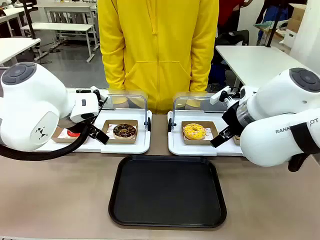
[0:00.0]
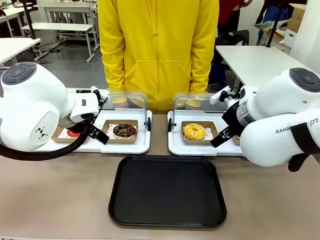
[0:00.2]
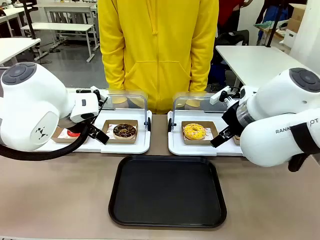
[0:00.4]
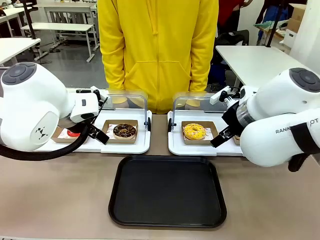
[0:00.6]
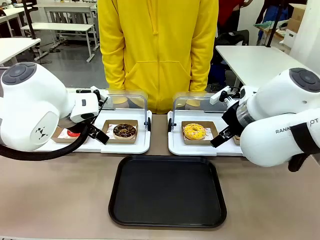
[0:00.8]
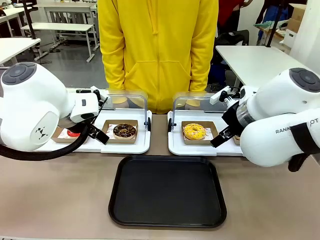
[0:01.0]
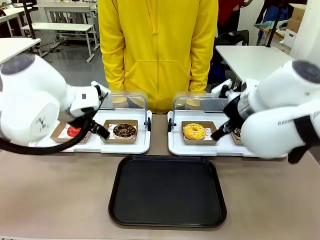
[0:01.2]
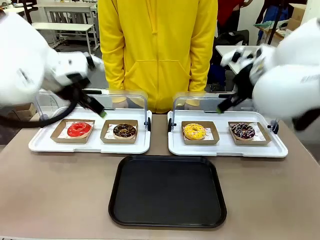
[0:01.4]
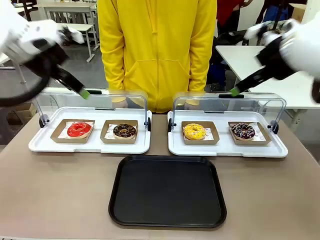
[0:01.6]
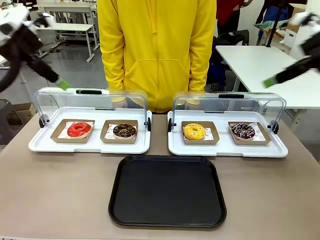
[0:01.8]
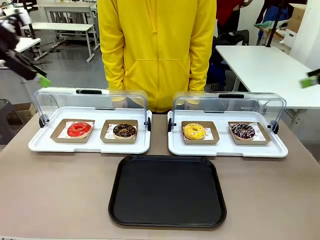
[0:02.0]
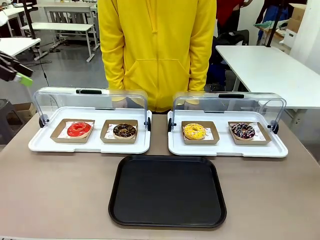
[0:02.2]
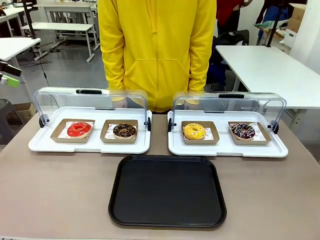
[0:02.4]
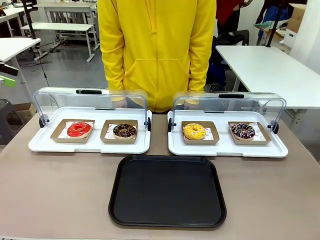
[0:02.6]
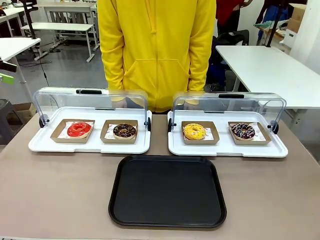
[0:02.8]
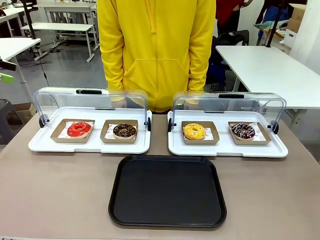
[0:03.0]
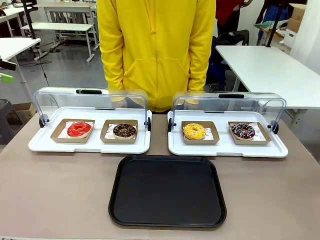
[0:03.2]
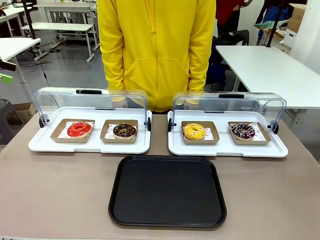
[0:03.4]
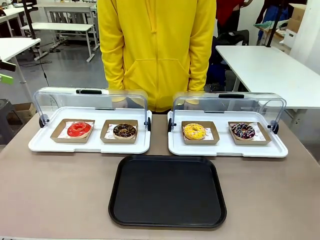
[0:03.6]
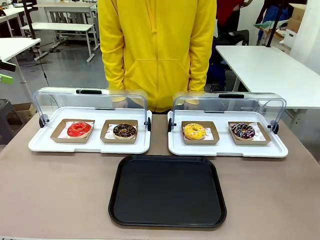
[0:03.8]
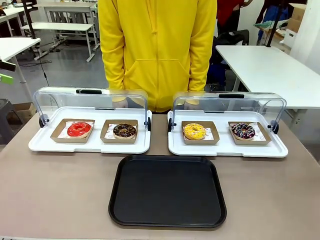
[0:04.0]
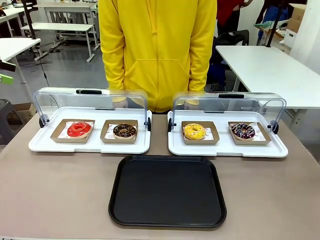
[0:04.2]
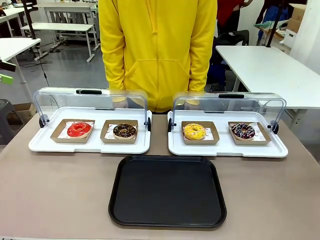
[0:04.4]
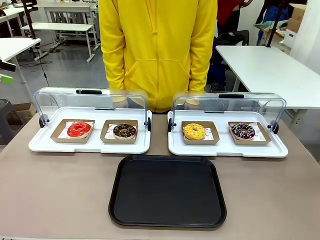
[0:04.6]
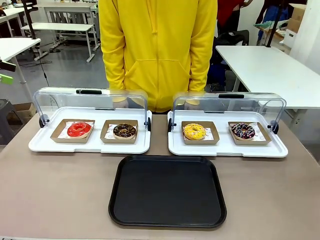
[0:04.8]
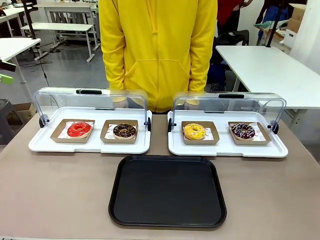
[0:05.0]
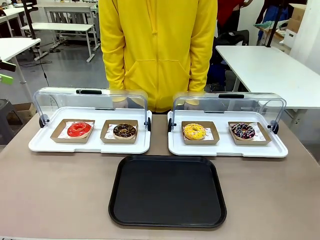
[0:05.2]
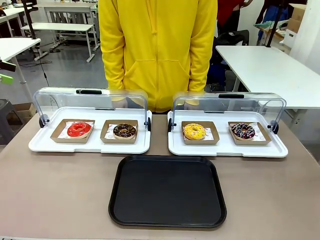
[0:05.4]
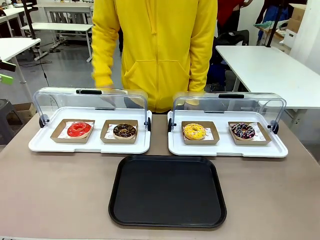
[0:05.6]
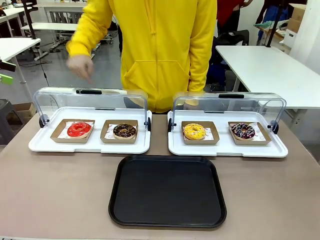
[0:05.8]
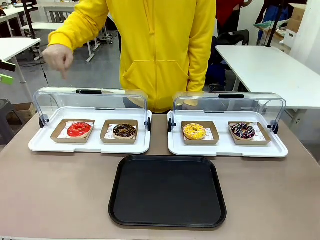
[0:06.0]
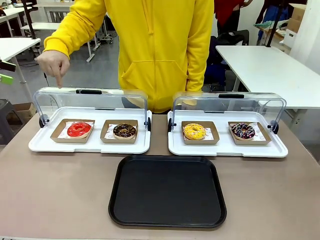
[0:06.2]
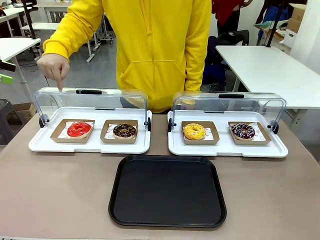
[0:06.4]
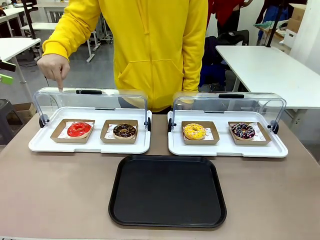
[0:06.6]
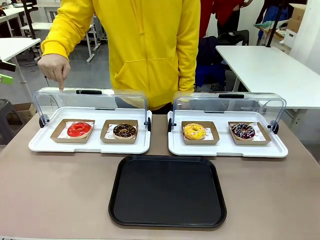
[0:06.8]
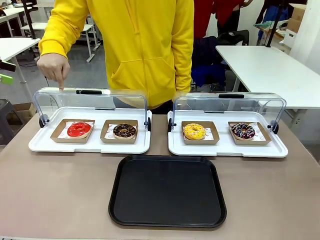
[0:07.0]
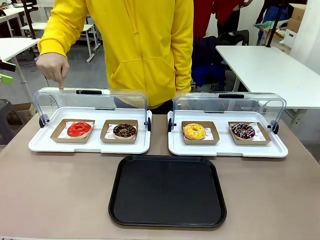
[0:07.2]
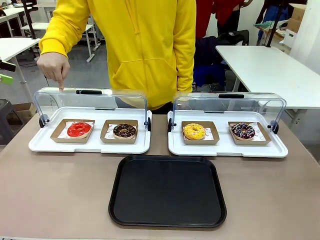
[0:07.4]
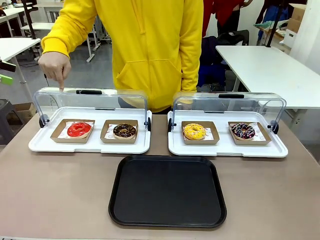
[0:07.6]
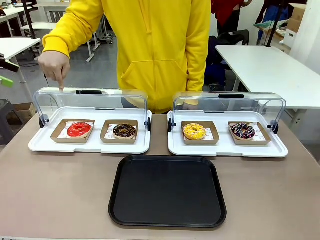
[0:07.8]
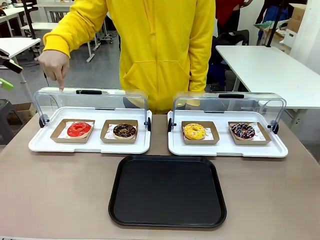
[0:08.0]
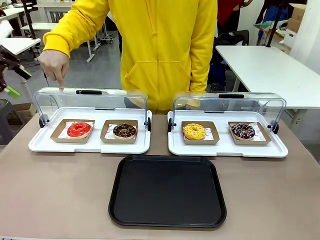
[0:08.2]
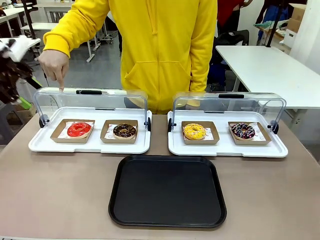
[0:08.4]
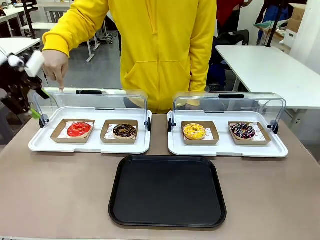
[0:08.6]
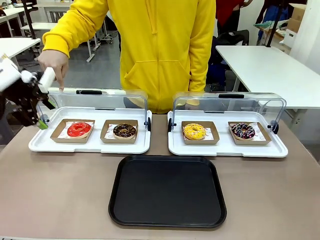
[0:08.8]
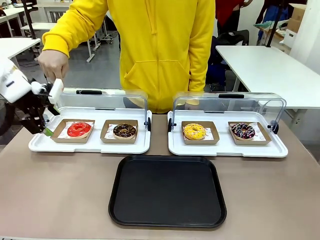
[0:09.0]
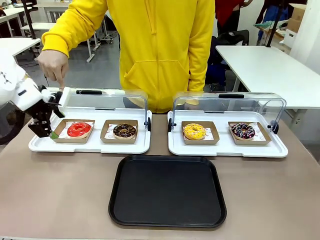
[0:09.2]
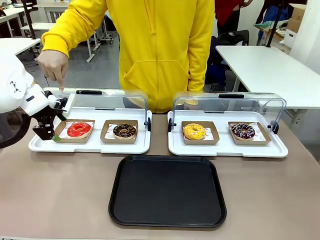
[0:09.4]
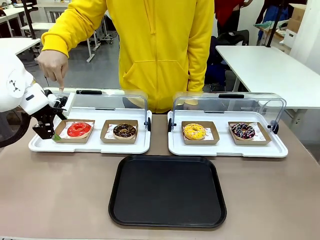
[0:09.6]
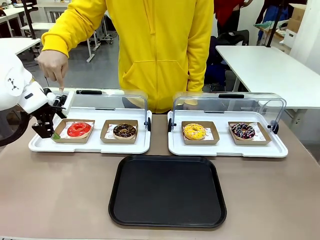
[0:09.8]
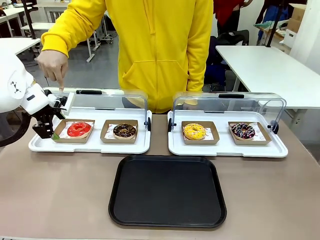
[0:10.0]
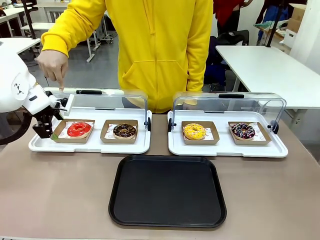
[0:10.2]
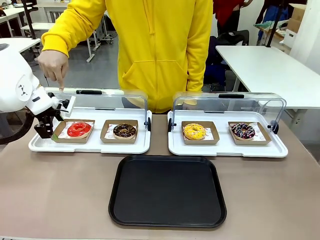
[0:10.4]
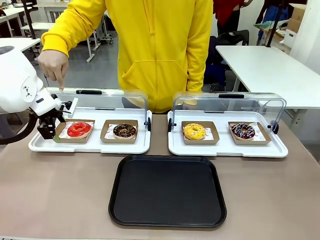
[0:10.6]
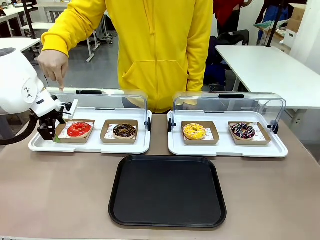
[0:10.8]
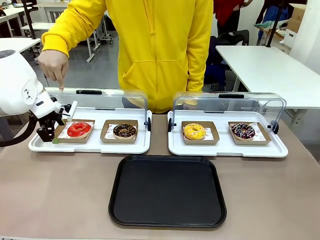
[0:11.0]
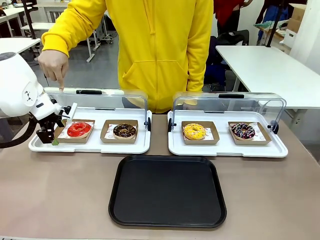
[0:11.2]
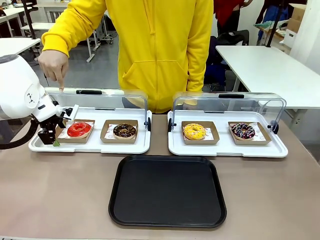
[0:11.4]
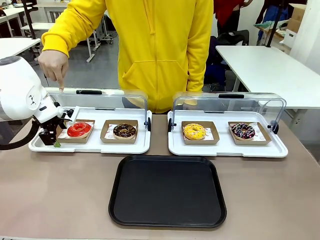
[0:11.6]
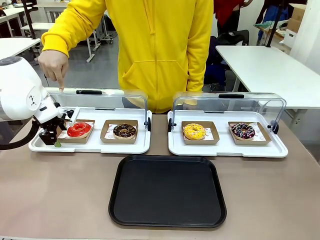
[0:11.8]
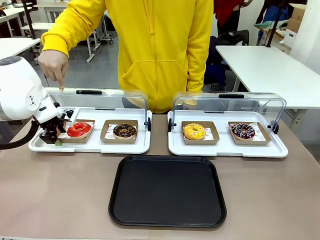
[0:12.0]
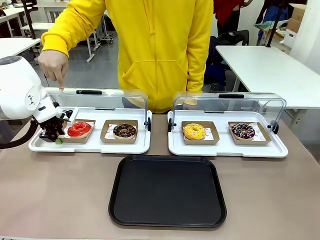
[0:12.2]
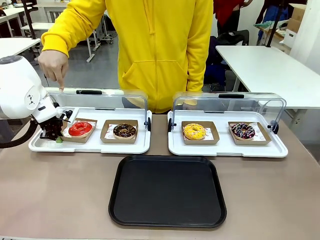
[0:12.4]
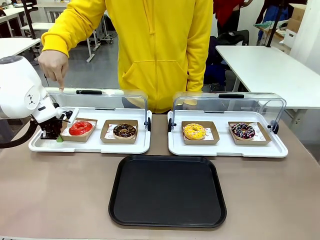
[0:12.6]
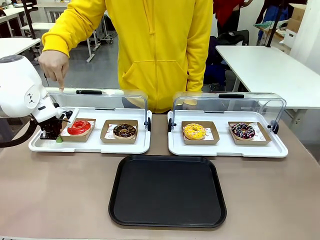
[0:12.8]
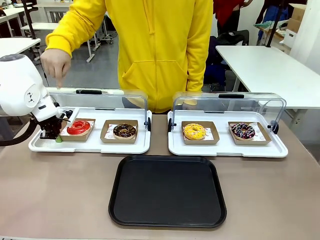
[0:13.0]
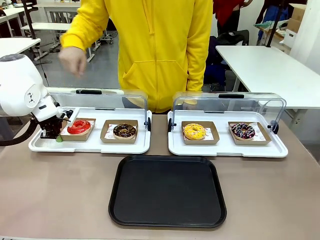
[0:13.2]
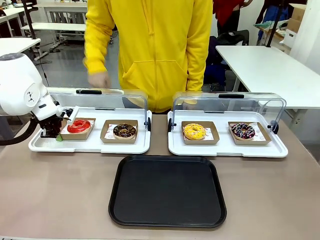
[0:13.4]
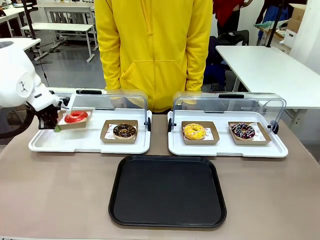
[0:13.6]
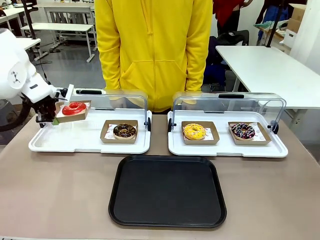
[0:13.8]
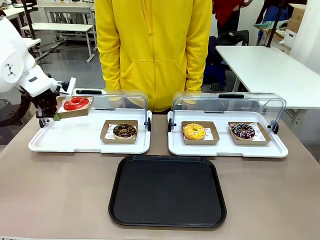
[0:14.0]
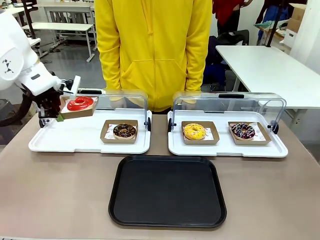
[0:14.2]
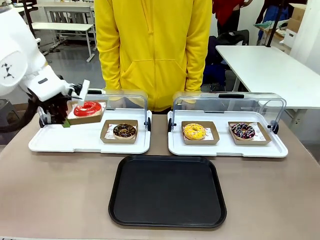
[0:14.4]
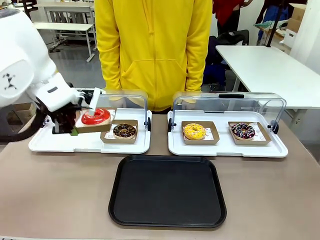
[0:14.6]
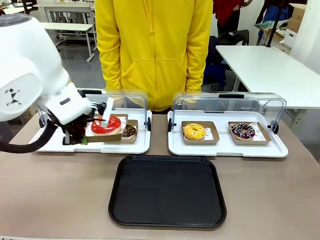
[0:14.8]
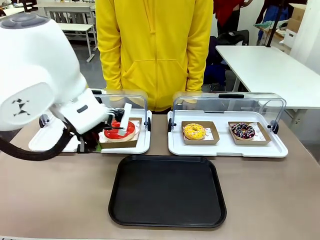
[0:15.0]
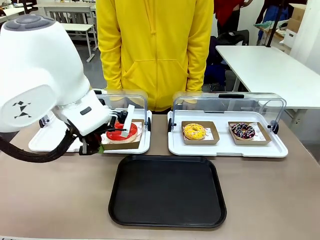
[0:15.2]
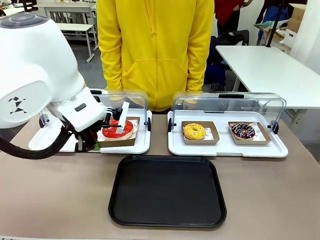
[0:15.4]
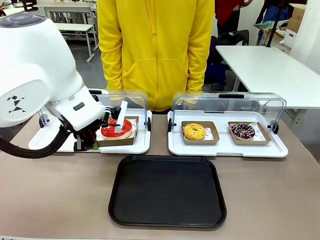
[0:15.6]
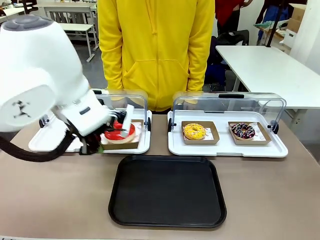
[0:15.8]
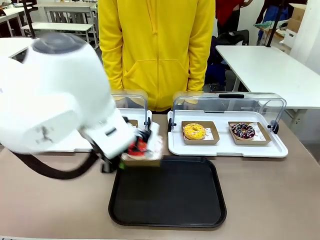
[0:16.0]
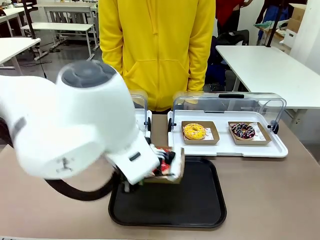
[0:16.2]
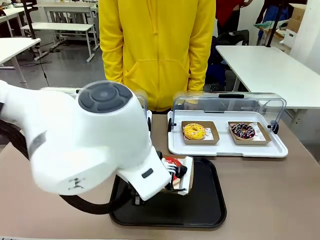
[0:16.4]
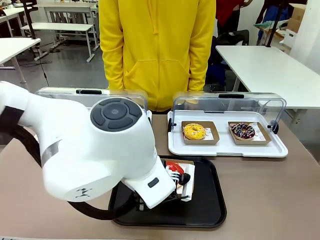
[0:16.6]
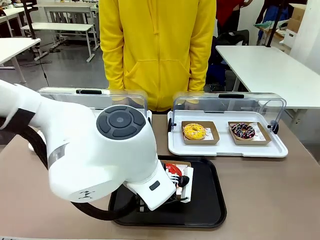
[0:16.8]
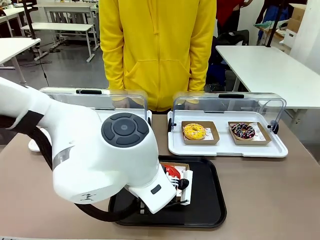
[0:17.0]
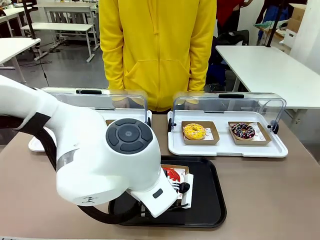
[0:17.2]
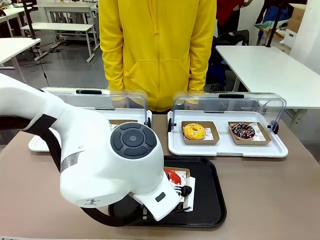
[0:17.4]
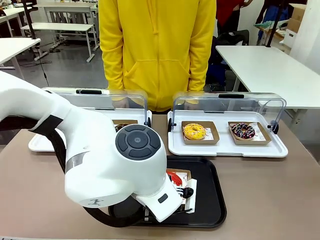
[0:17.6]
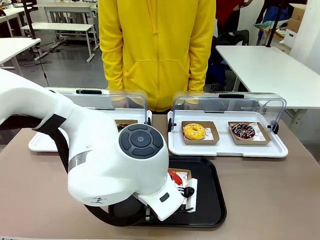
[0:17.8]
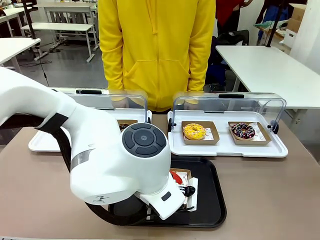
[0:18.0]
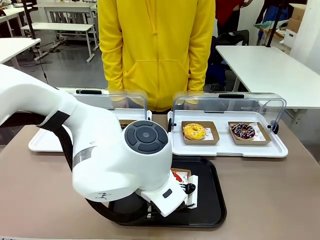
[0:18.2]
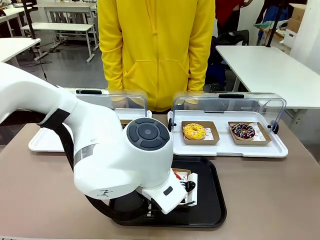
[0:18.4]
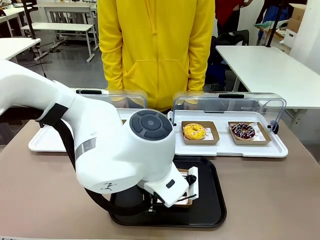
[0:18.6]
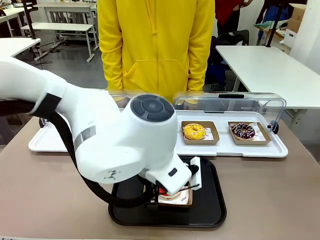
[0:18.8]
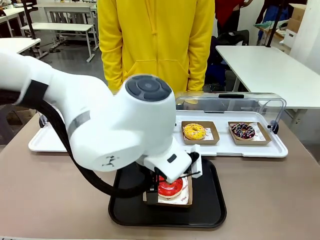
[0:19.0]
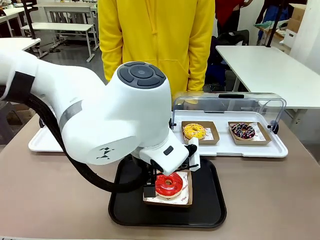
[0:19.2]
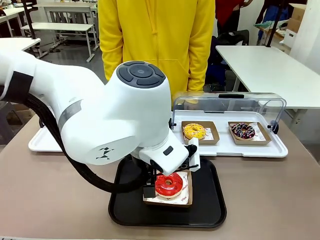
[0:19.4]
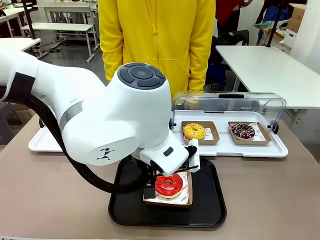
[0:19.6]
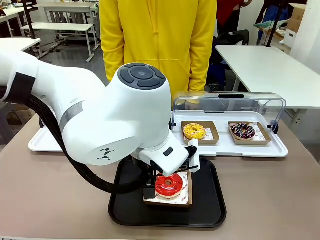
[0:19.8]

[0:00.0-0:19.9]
Task: Move the first donut from the left to the tray.
Robot: Pick up the Paper togo box containing the Donut indicated by the person and place it on the Handle tray.
Person: Points to the first donut from the left from the robot’s perspective.
